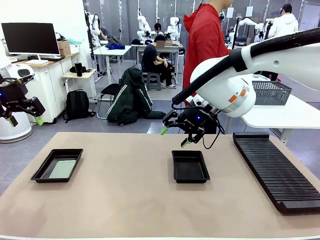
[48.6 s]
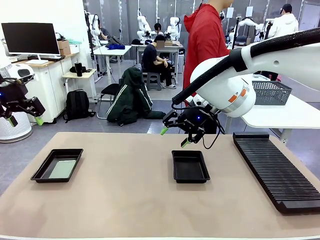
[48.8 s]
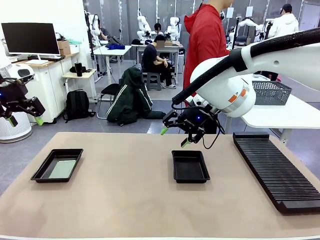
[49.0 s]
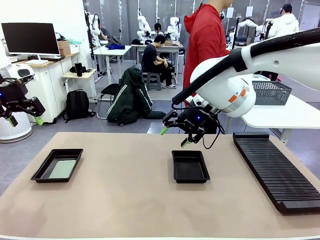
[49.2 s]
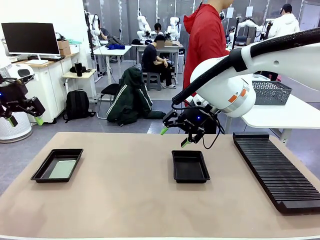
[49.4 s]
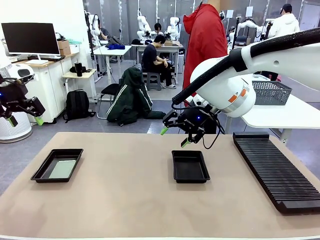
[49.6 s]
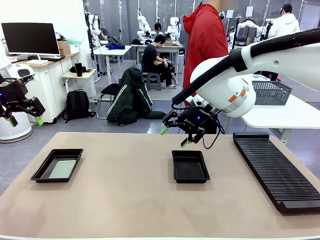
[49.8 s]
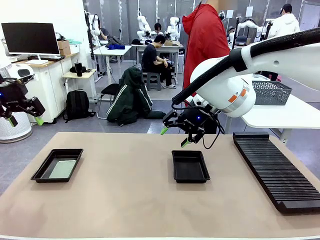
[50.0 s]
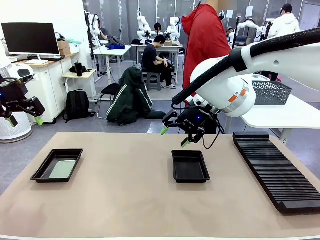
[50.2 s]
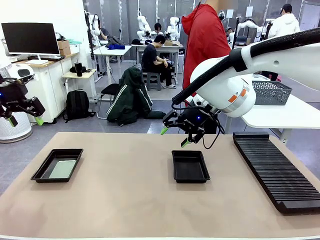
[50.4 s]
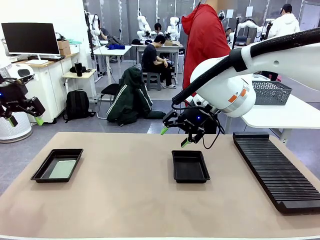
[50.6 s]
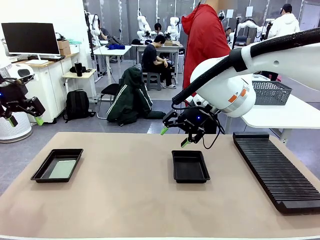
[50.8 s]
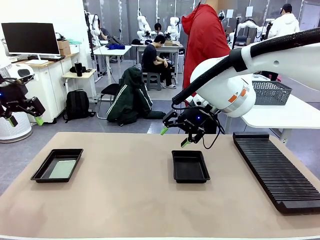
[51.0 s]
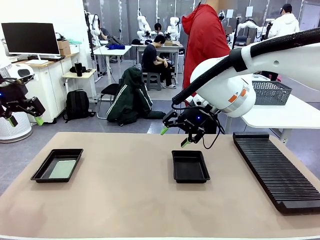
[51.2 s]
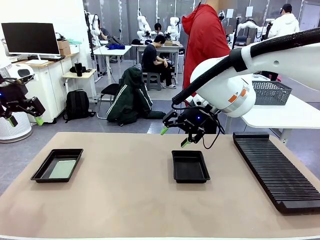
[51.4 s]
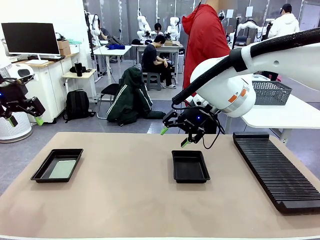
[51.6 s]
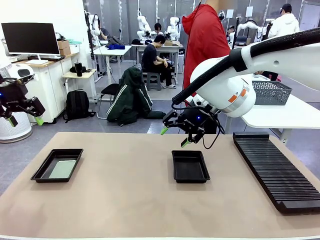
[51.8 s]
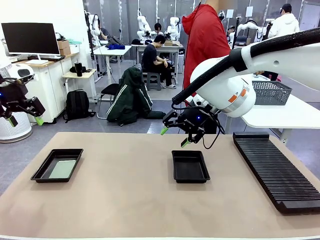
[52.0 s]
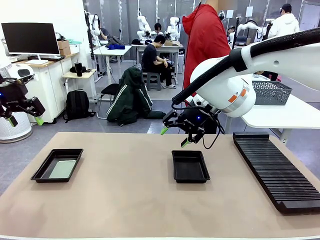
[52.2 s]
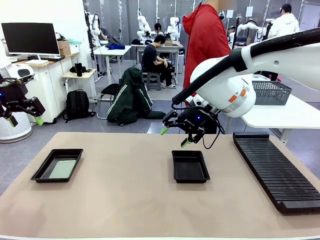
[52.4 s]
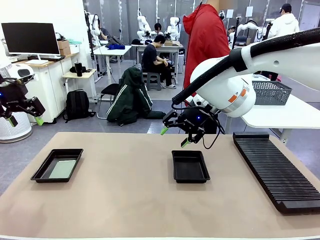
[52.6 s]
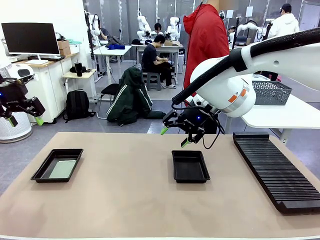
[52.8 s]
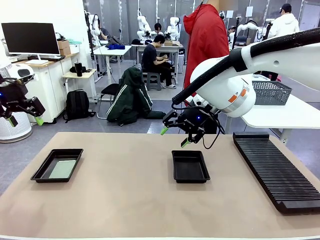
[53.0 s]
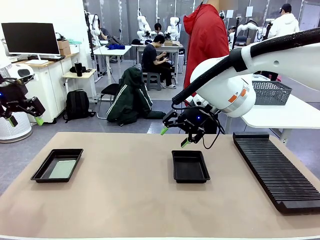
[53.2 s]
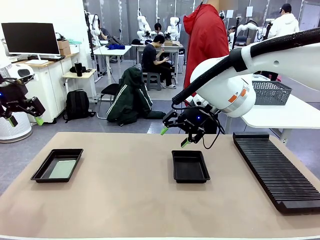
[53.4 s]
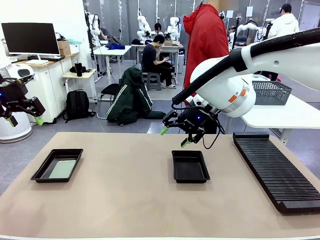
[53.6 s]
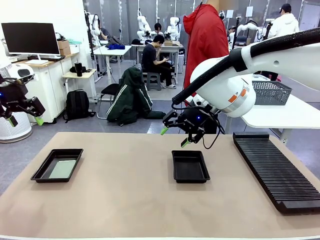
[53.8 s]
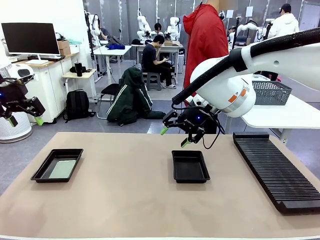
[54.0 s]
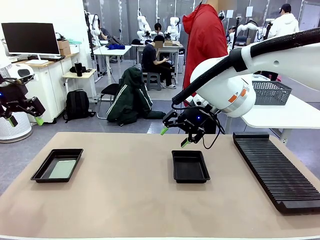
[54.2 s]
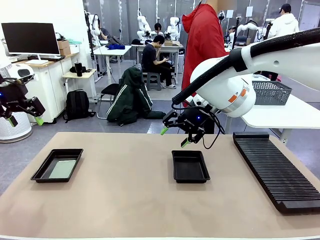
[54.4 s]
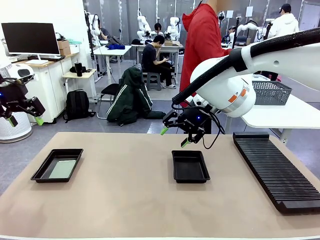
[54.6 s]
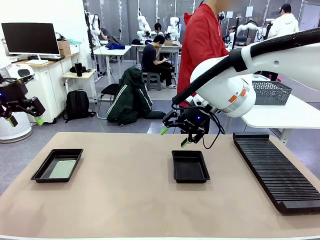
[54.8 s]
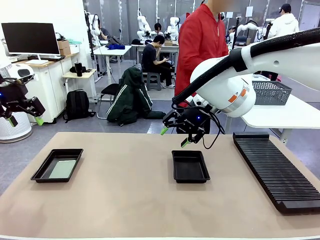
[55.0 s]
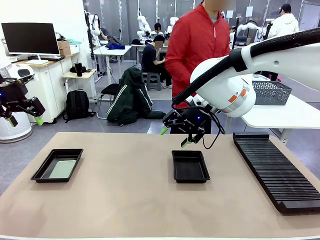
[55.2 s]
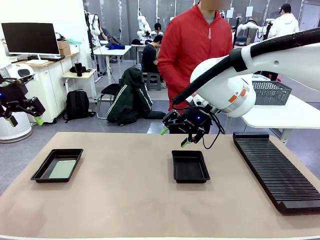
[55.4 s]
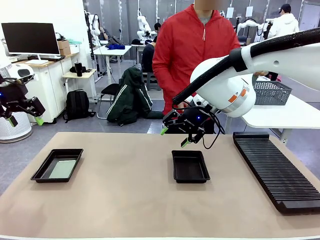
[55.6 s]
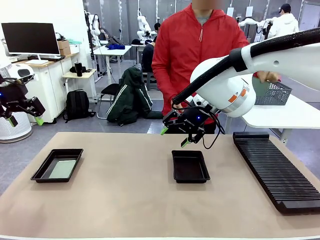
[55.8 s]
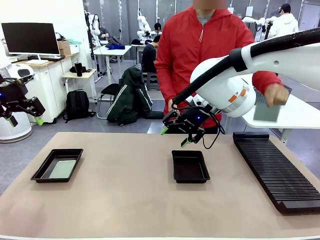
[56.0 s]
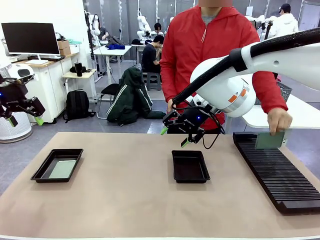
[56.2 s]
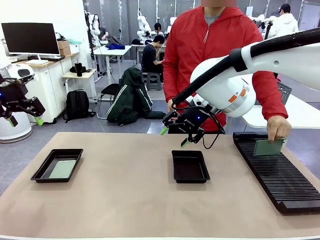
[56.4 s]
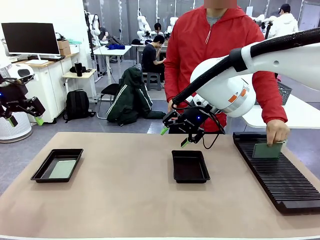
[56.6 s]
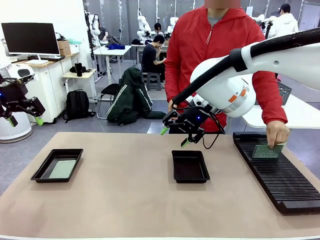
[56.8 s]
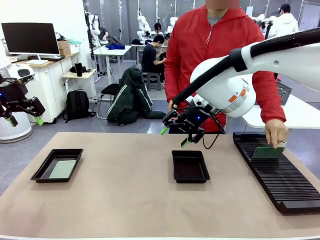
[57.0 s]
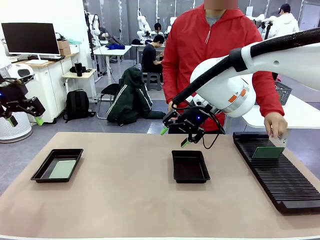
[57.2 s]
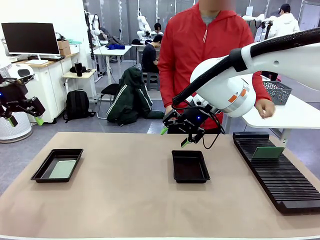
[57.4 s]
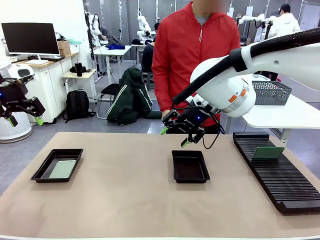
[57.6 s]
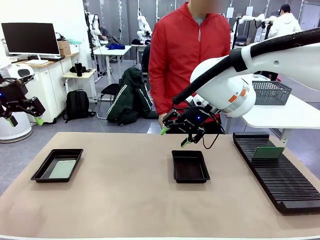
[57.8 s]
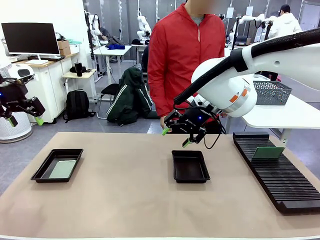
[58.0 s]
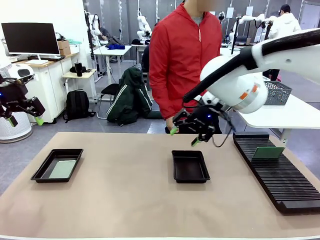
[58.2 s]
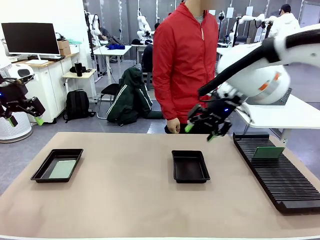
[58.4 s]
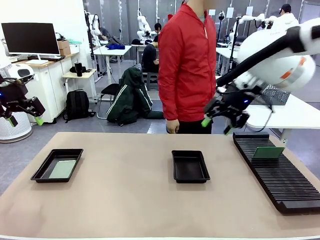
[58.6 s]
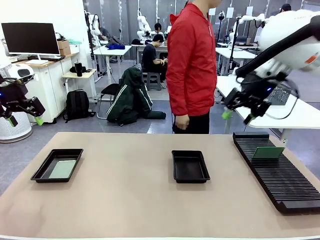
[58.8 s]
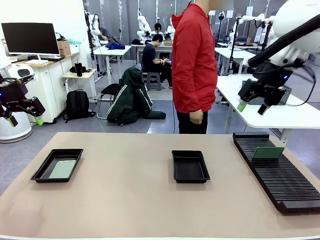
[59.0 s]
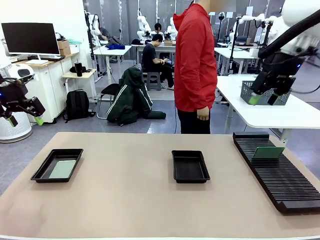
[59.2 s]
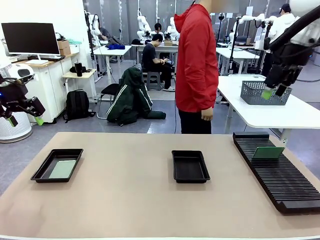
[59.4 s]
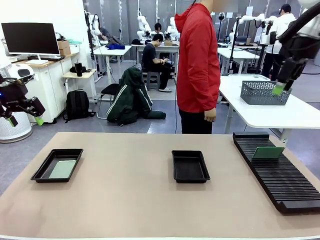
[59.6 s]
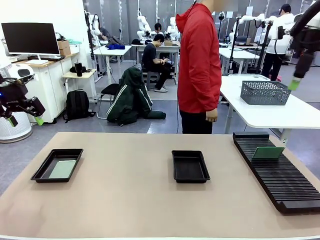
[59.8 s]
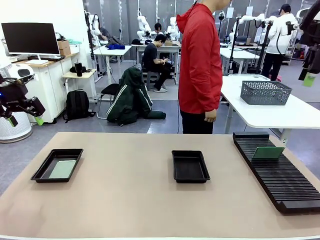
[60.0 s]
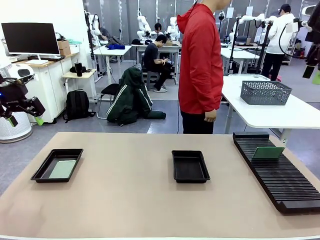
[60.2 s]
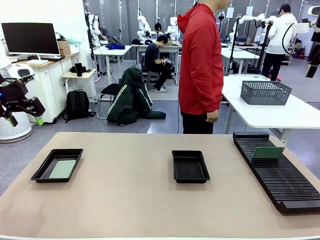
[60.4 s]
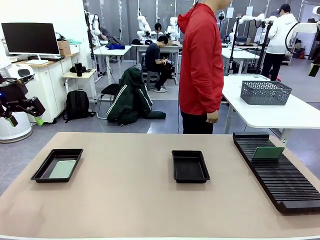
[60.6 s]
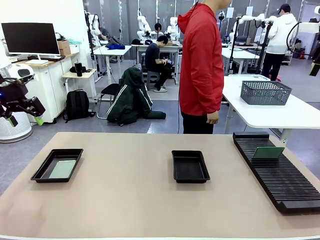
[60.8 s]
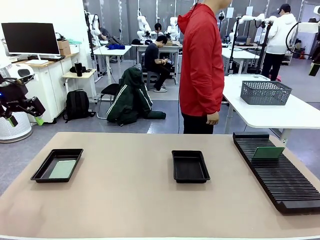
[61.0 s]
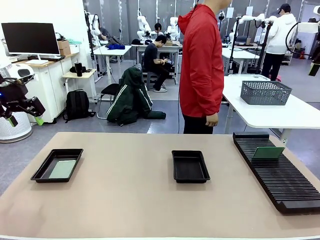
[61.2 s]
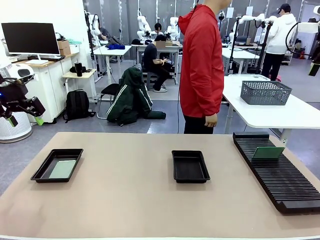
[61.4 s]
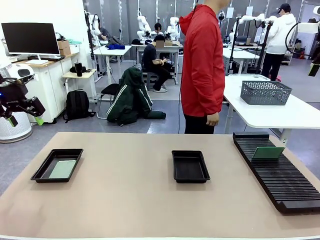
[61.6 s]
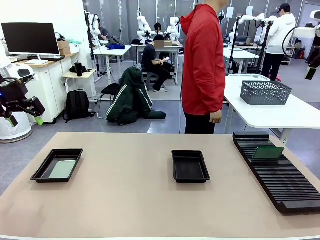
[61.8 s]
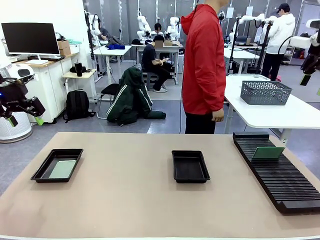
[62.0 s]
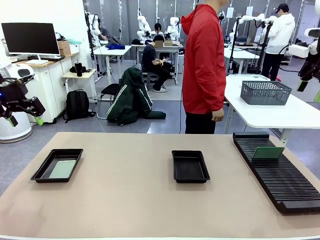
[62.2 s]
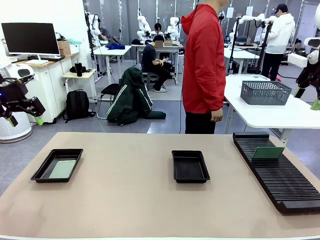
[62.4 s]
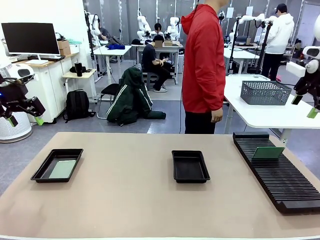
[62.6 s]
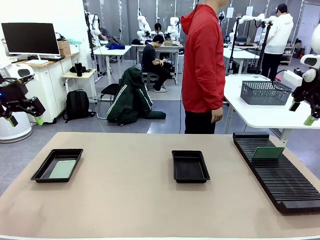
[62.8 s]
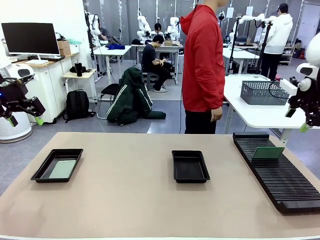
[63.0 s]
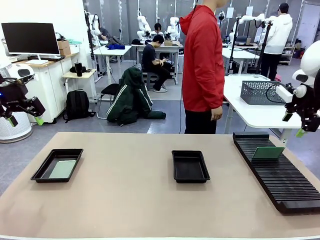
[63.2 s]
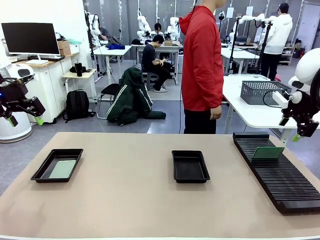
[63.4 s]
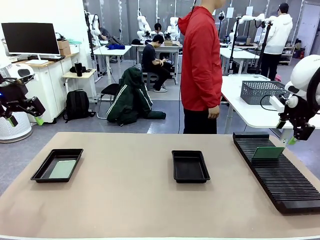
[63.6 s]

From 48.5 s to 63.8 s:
Task: Inspect and transfer BCBs to ESD trays.
Robot: Pick up the Blank PCB from the PCB Rack and place it in the right ESD tray.

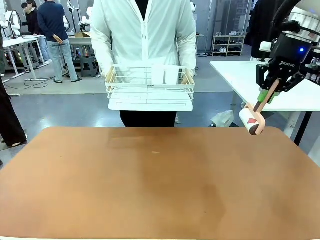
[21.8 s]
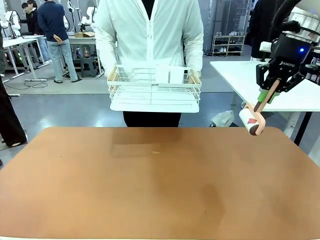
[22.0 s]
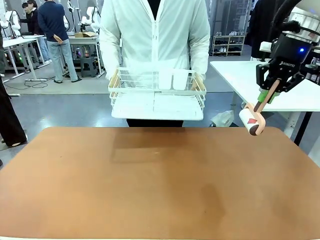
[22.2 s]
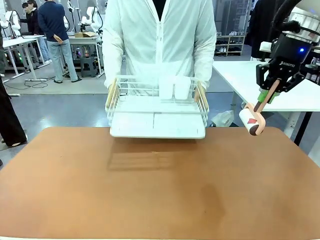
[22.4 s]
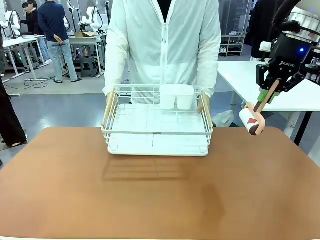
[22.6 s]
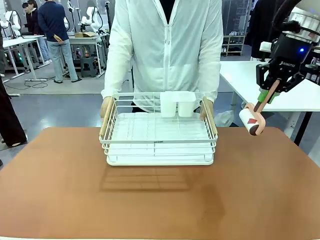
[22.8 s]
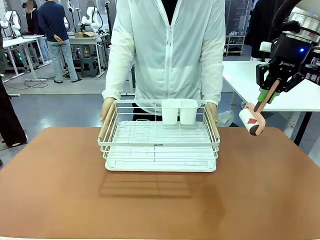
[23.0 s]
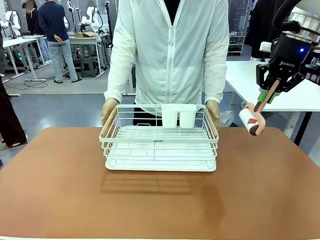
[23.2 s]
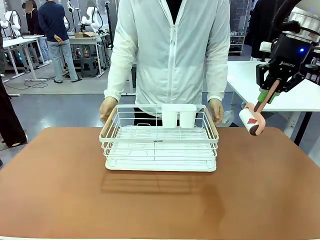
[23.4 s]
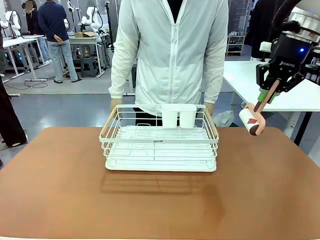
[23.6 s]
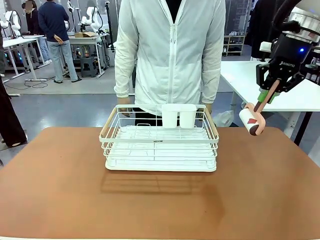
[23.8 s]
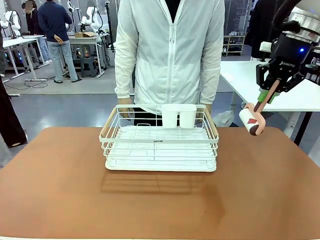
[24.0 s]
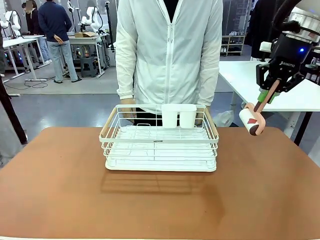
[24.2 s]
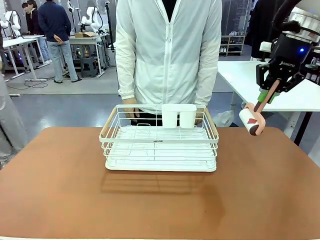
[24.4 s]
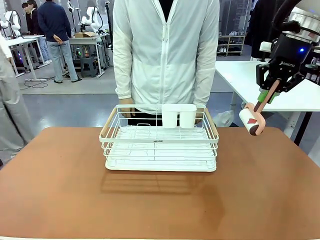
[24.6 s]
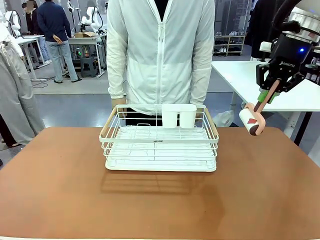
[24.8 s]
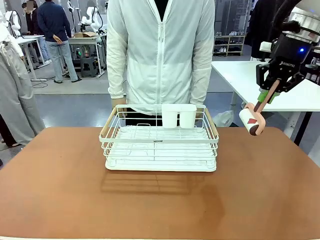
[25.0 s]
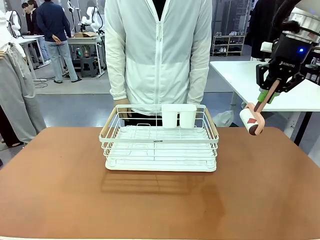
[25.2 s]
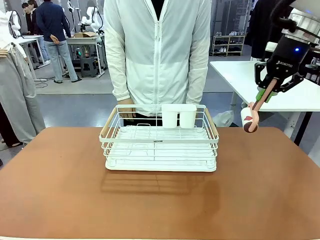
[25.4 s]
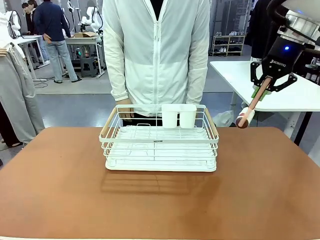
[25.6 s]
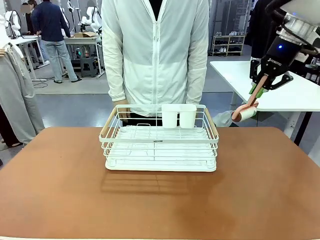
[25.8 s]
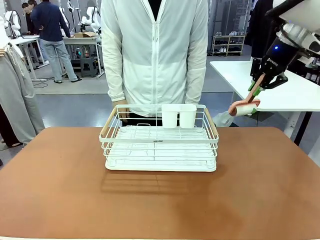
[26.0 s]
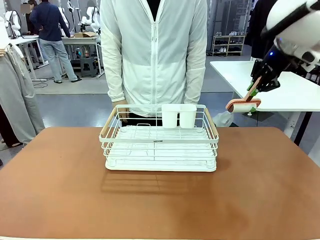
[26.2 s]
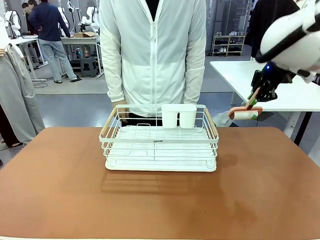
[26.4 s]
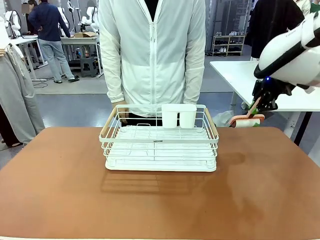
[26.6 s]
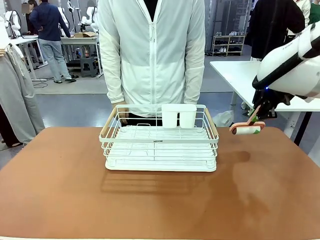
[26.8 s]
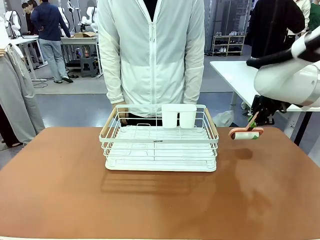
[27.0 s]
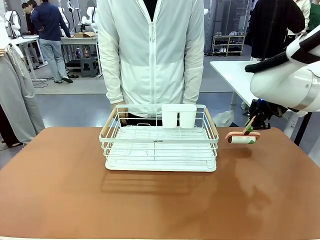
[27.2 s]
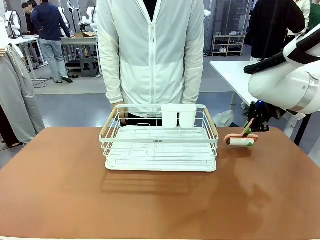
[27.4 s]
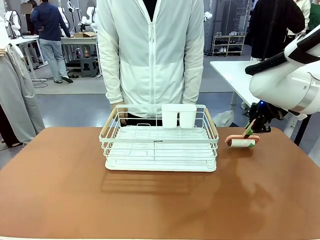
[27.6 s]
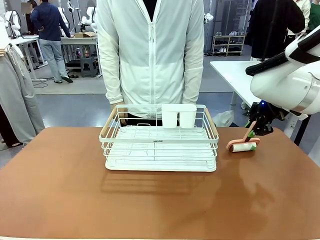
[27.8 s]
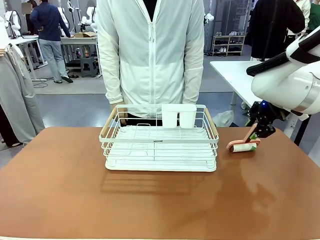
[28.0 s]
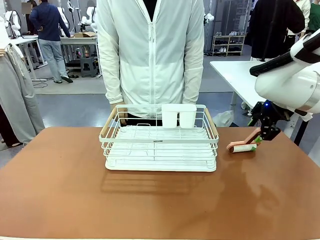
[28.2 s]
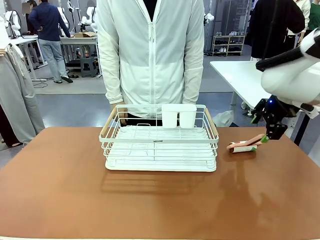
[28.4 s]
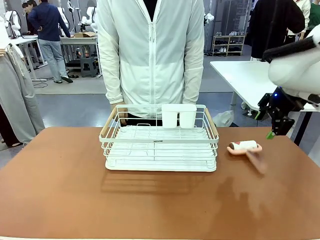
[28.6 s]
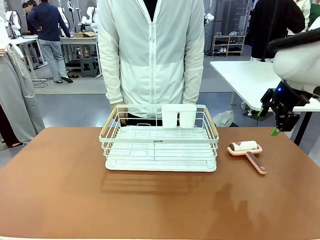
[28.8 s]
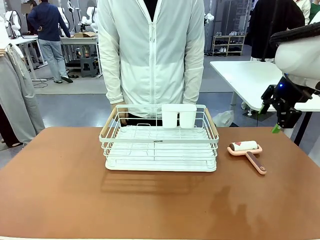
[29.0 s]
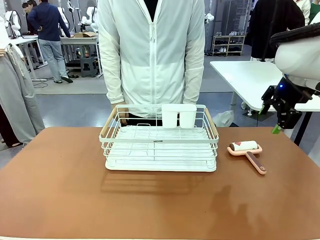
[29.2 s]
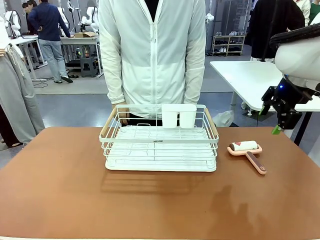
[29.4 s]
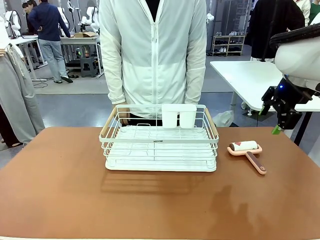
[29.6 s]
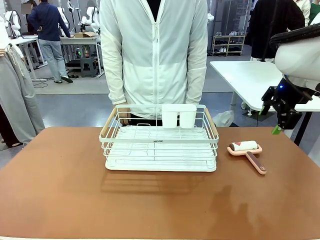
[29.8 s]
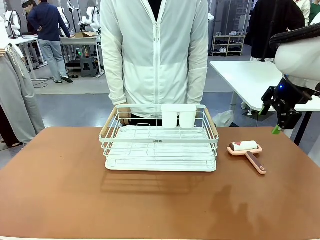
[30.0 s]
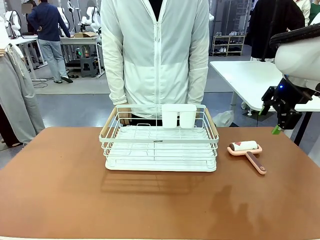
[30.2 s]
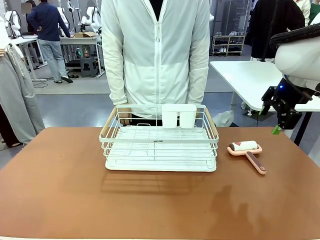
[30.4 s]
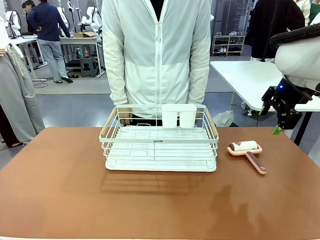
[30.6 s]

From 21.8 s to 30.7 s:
Task: Clean the table.
Robot: Place the Lint Roller down when the Dish drying rack is positioned in the middle of the table.
Person: Place the Dish drying rack down when the robot finishes cleaning.
